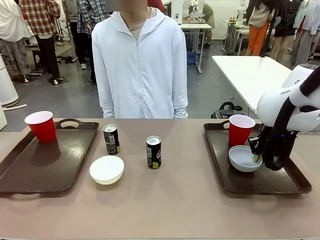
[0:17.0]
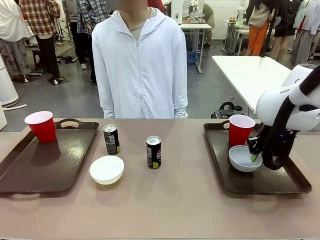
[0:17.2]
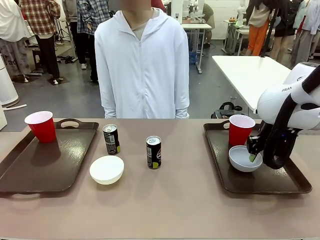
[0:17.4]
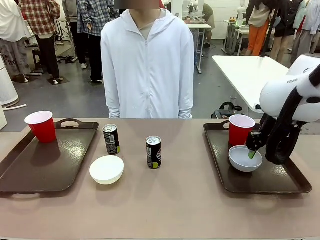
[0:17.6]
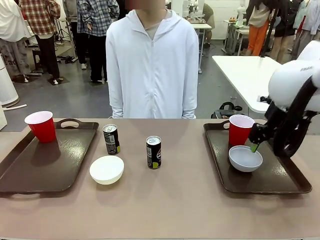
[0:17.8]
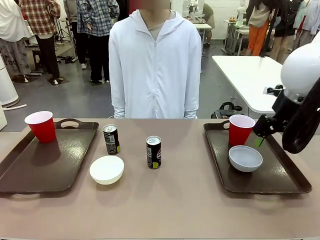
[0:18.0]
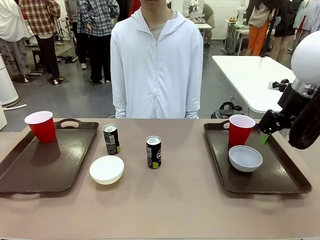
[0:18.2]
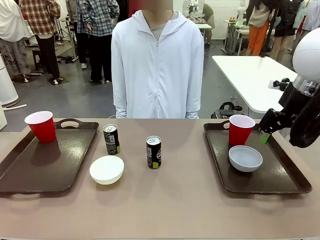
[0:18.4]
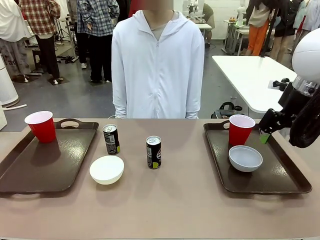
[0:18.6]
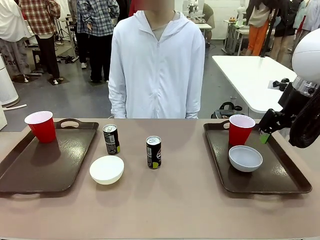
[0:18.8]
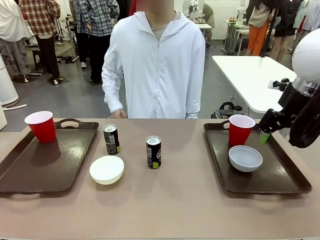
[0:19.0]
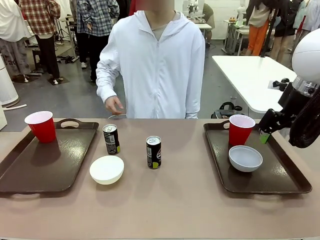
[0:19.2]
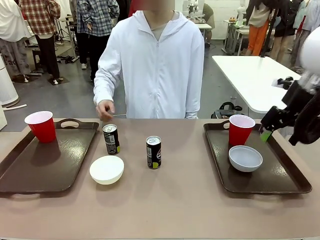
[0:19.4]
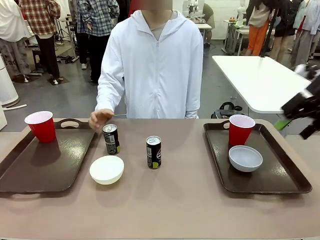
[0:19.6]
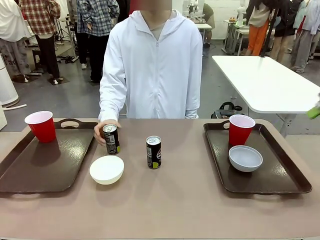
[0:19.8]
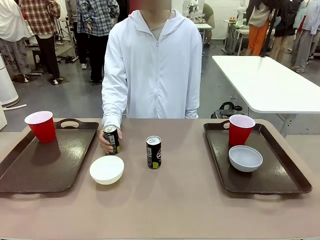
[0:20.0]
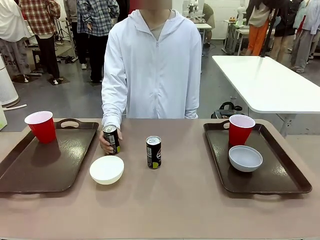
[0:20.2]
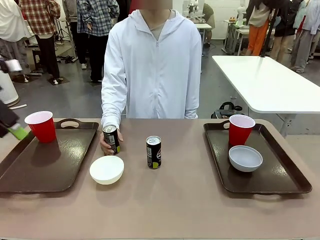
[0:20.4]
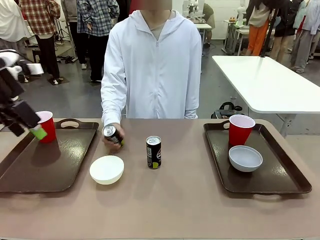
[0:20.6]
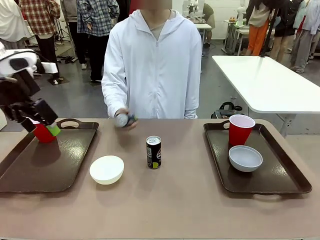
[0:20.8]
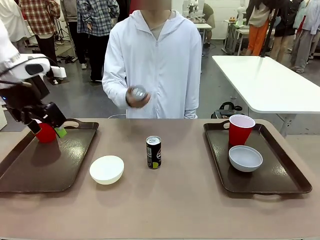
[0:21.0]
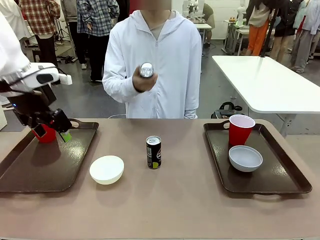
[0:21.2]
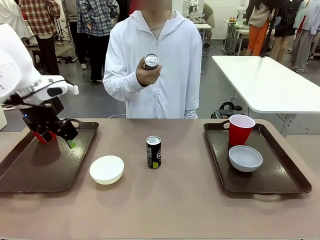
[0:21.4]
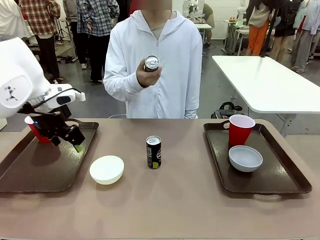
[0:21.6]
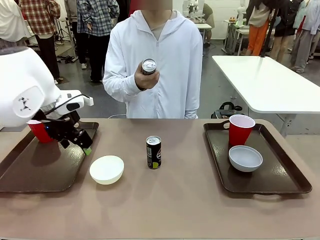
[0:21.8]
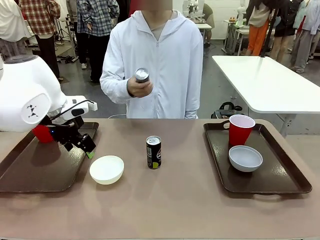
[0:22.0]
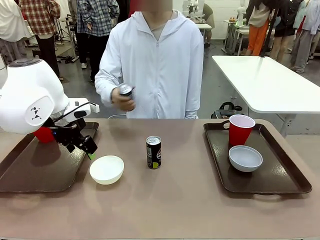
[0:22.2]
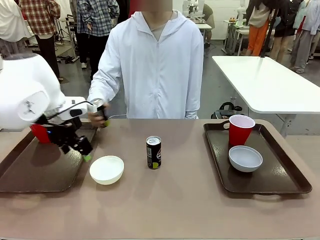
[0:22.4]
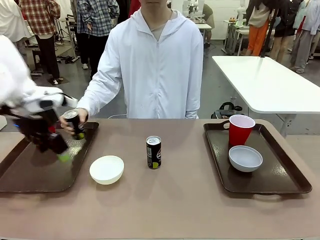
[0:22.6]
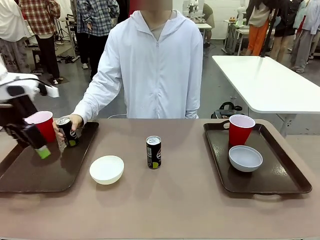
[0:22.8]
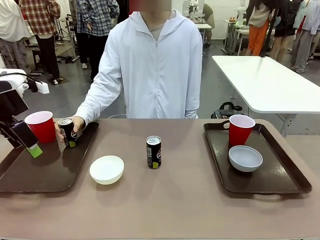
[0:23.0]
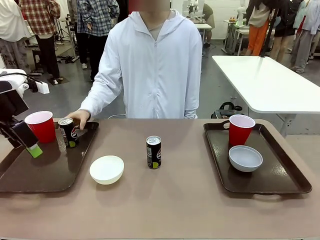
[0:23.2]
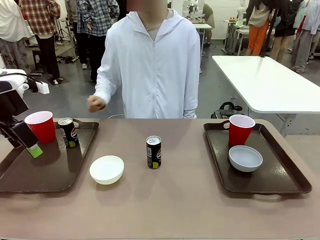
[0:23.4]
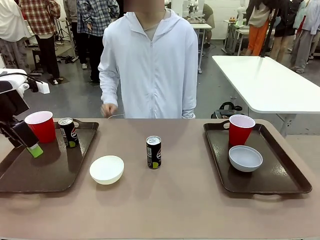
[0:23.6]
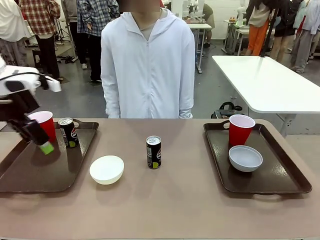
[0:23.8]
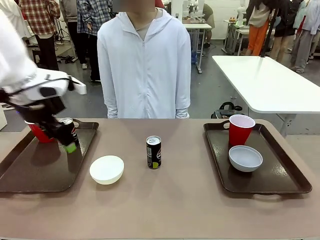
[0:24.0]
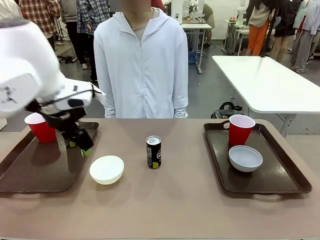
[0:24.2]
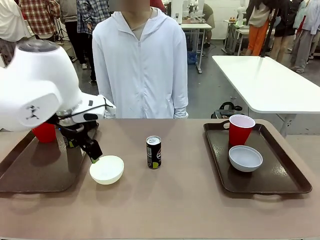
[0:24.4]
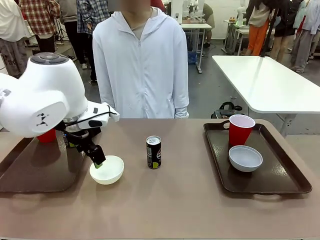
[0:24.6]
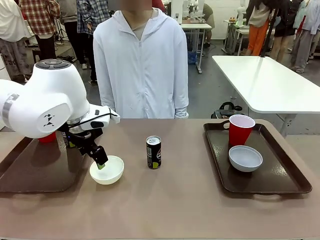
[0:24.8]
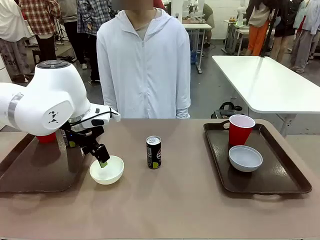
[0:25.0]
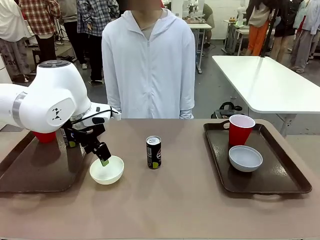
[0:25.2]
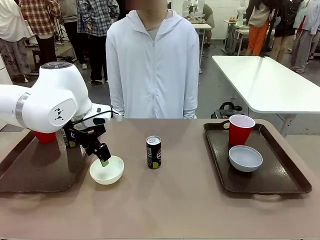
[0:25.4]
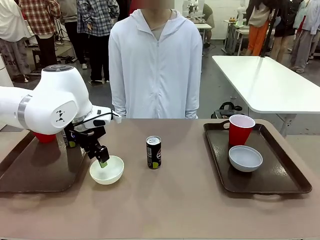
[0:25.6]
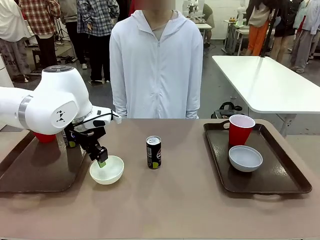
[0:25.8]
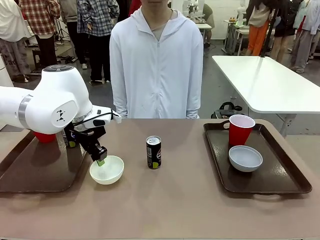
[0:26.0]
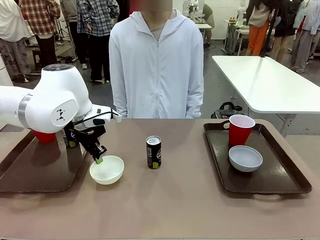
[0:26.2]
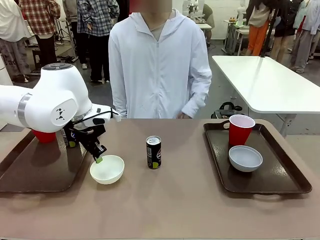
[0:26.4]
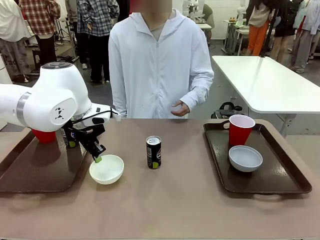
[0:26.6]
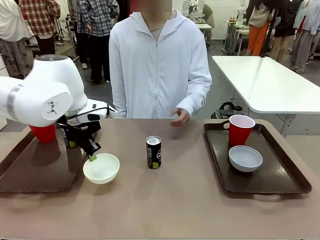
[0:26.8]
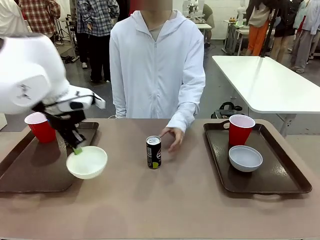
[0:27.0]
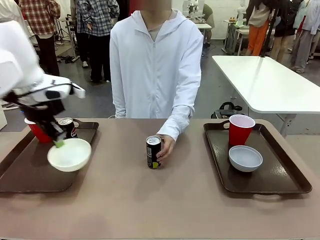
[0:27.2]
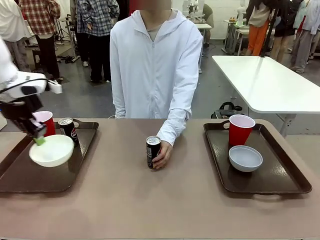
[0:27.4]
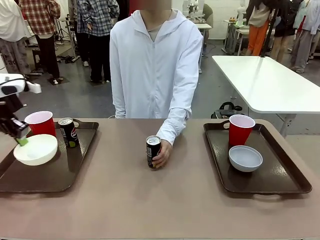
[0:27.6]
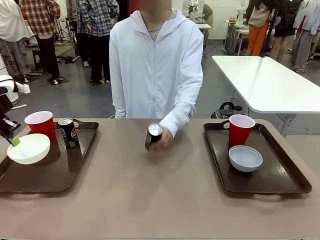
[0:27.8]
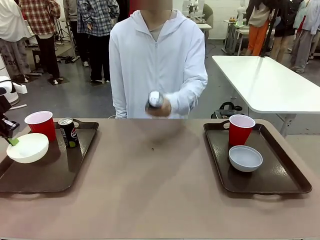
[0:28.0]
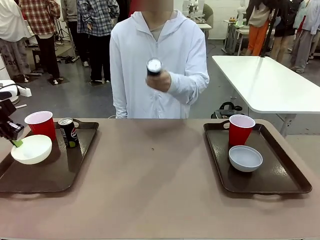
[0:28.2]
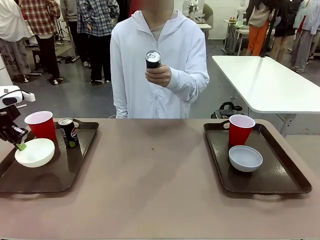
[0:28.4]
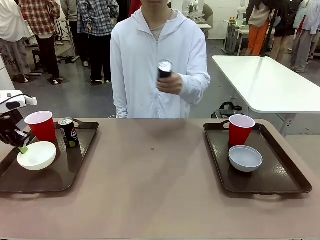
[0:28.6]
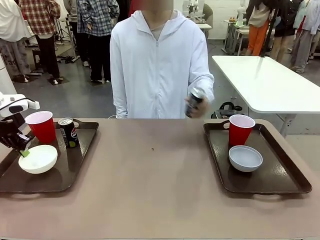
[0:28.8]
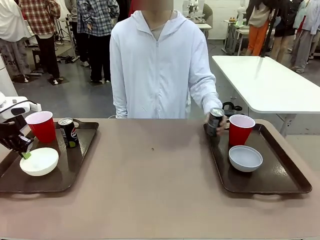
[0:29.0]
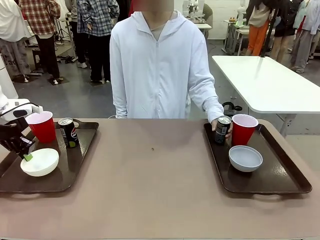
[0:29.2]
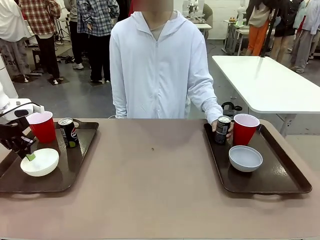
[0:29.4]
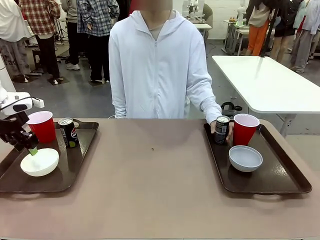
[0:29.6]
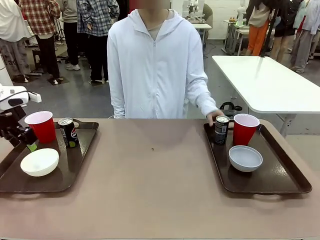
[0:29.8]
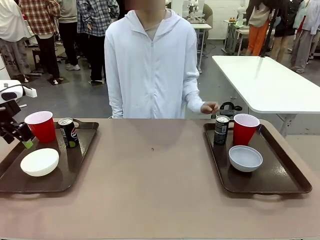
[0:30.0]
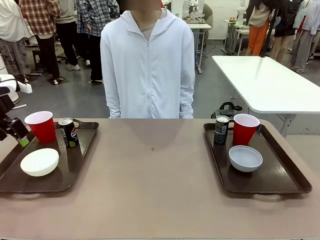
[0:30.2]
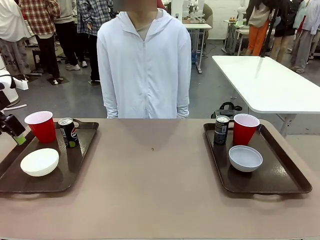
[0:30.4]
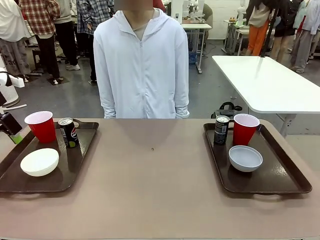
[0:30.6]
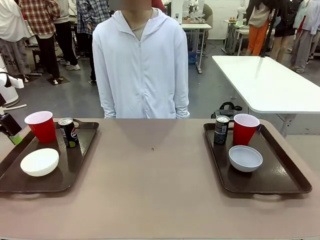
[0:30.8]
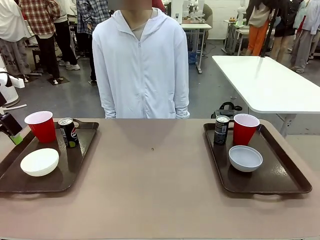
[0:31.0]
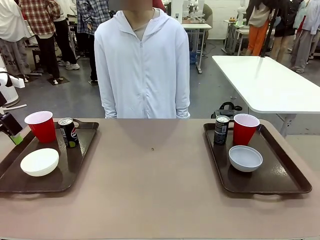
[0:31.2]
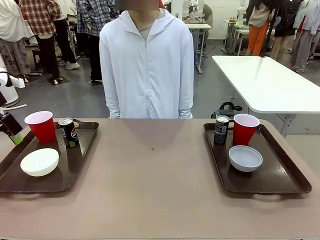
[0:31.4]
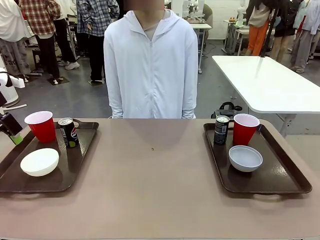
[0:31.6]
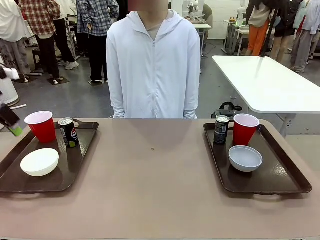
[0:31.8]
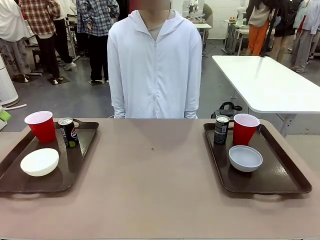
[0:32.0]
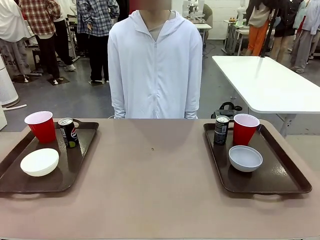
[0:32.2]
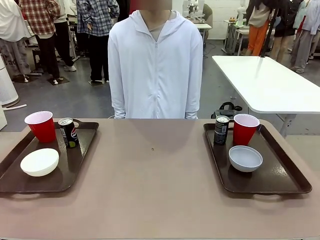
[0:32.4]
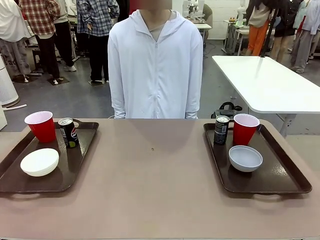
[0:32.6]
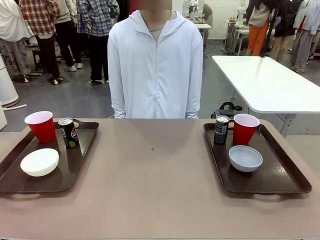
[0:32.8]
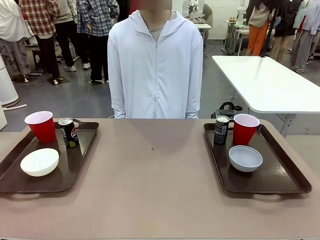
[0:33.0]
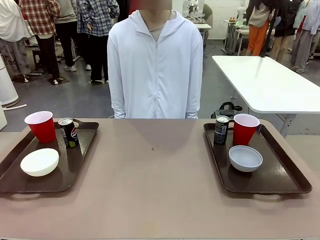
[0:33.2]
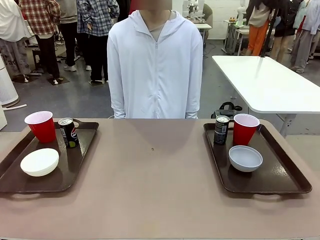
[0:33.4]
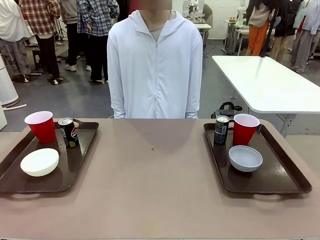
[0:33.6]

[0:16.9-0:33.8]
Task: Prepare tableware on both trays.
Robot: Pick up a Picnic Bowl from the table and place it on a Handle tray.
Person: Pick up a can or cup and place it on the tray without a can or cup.
